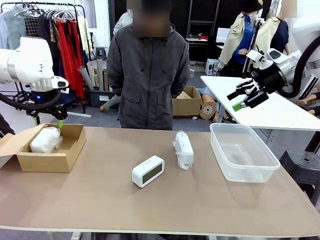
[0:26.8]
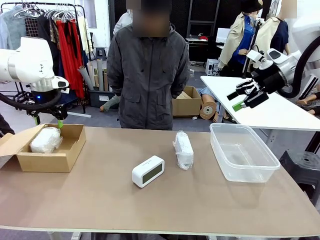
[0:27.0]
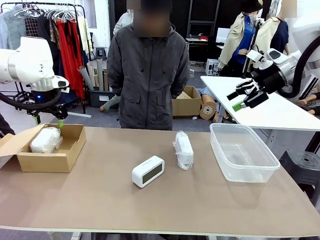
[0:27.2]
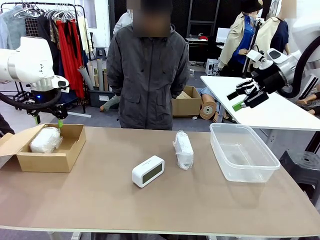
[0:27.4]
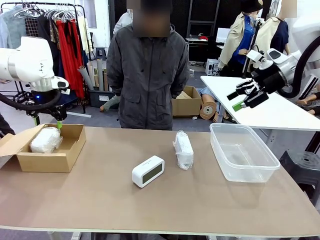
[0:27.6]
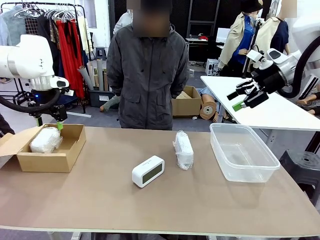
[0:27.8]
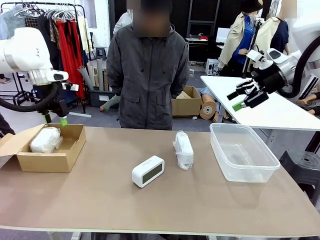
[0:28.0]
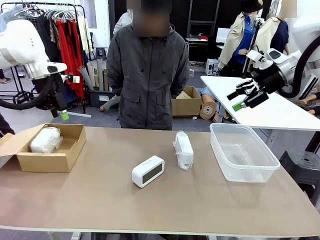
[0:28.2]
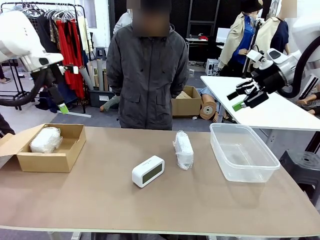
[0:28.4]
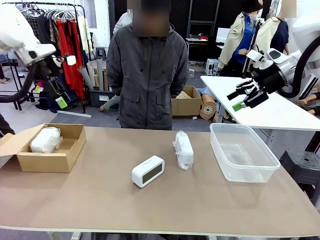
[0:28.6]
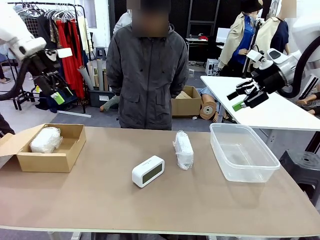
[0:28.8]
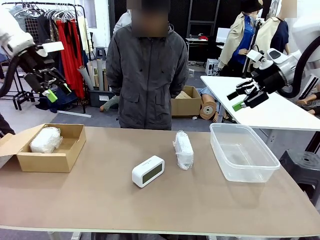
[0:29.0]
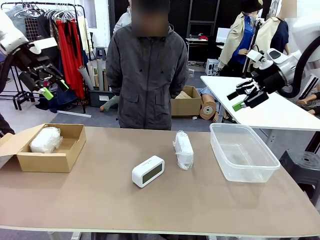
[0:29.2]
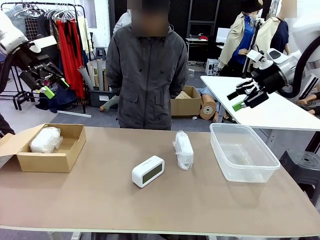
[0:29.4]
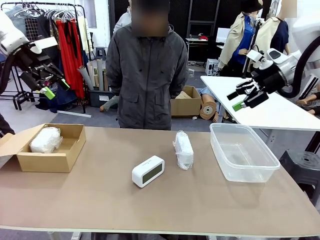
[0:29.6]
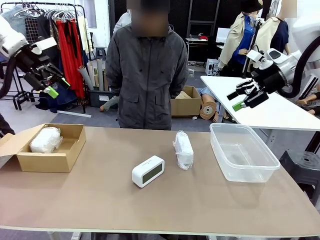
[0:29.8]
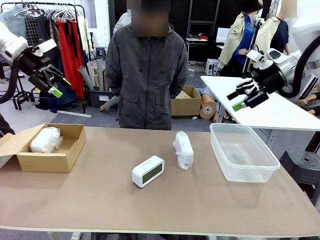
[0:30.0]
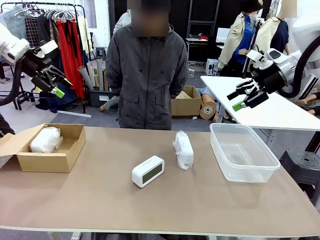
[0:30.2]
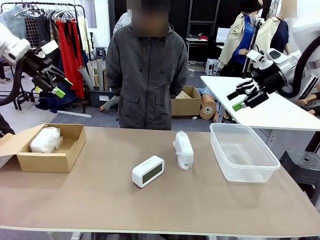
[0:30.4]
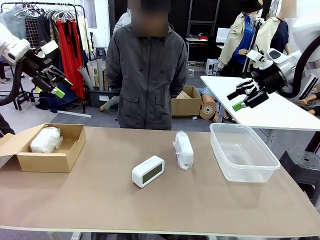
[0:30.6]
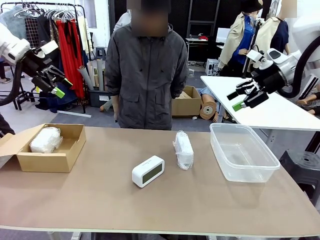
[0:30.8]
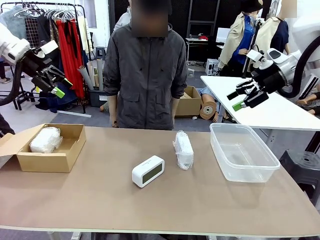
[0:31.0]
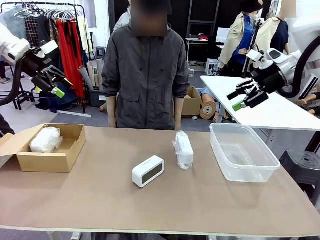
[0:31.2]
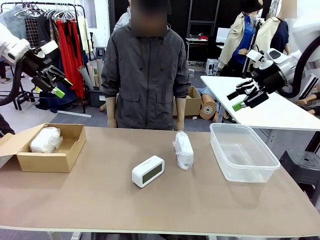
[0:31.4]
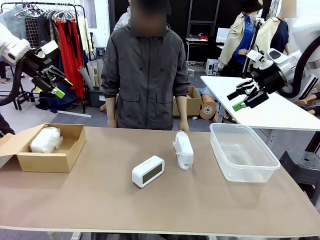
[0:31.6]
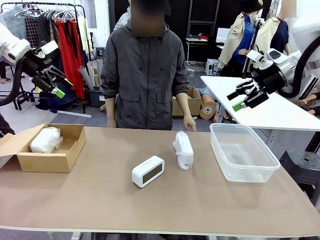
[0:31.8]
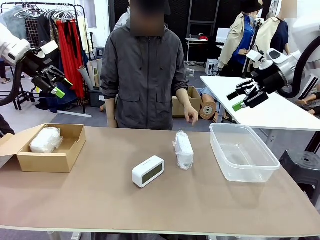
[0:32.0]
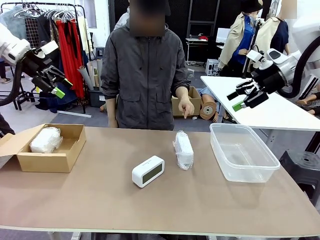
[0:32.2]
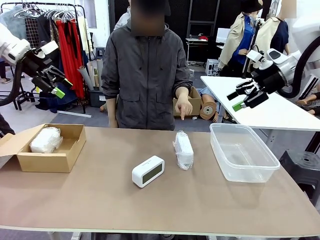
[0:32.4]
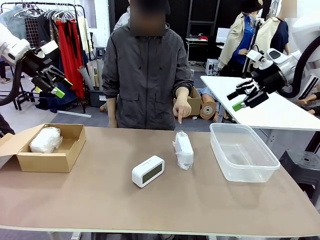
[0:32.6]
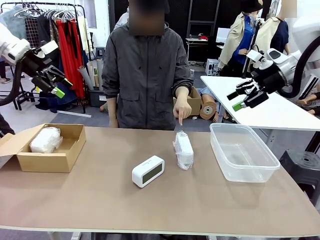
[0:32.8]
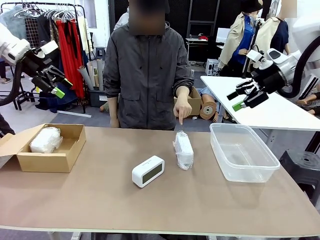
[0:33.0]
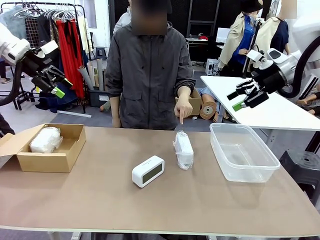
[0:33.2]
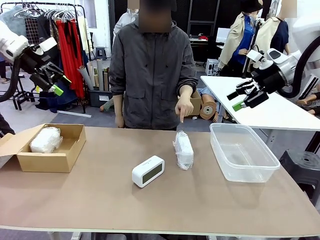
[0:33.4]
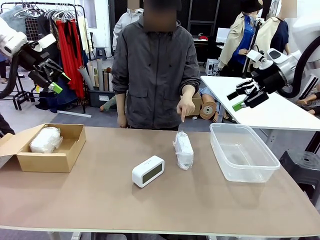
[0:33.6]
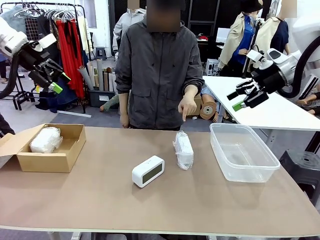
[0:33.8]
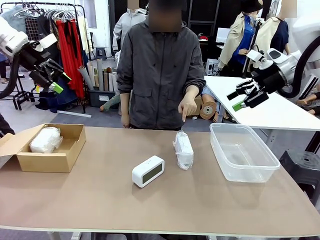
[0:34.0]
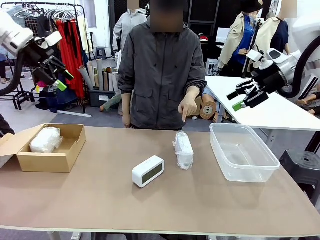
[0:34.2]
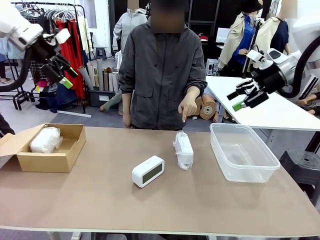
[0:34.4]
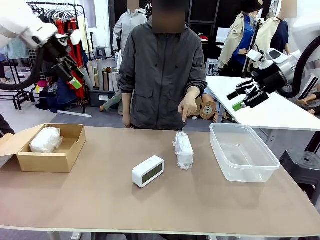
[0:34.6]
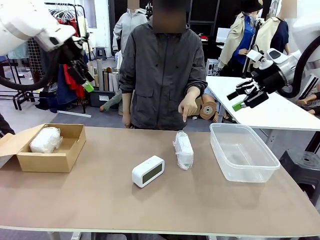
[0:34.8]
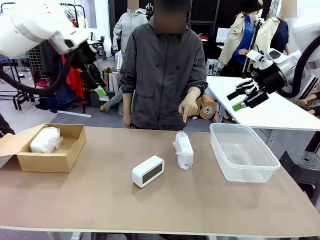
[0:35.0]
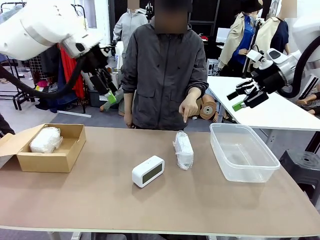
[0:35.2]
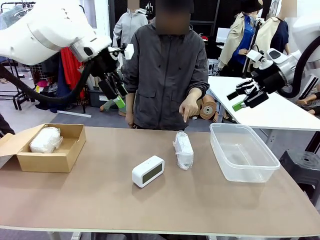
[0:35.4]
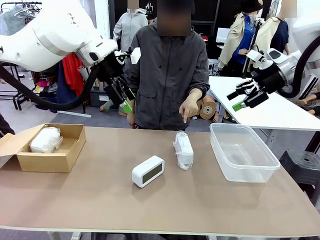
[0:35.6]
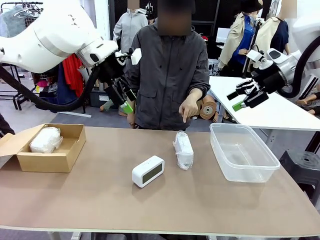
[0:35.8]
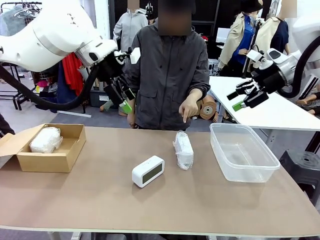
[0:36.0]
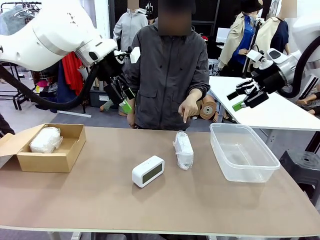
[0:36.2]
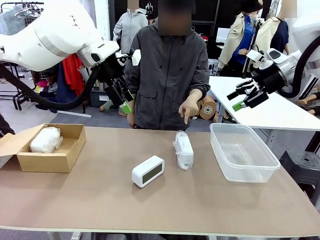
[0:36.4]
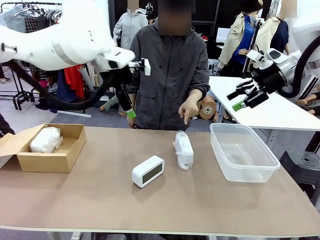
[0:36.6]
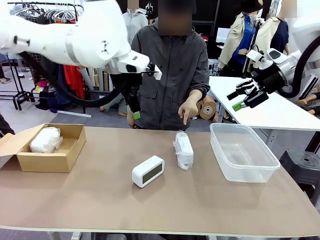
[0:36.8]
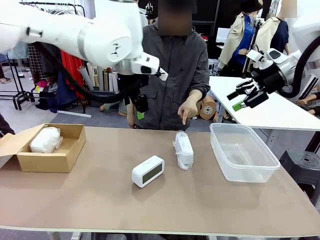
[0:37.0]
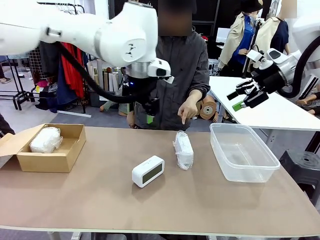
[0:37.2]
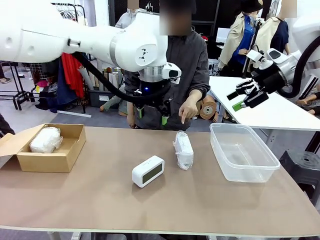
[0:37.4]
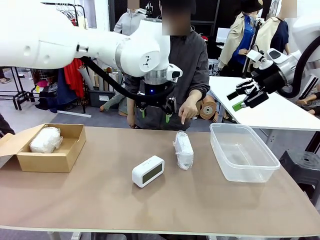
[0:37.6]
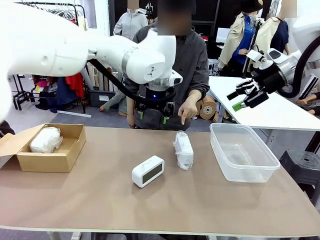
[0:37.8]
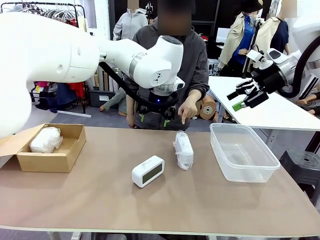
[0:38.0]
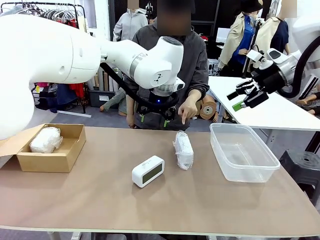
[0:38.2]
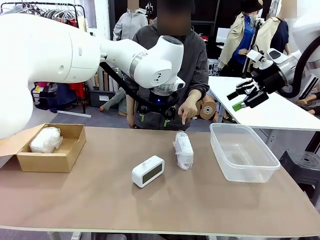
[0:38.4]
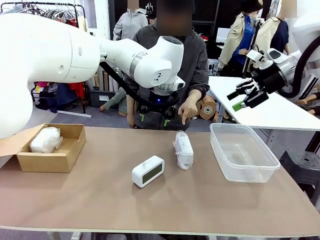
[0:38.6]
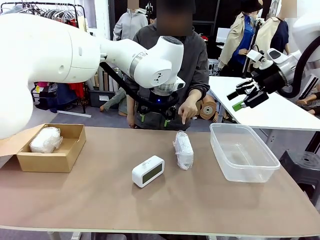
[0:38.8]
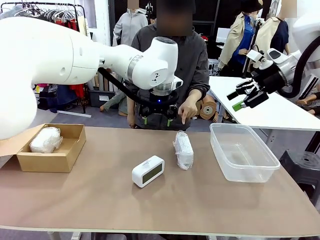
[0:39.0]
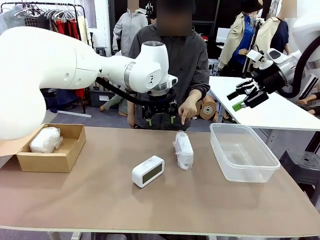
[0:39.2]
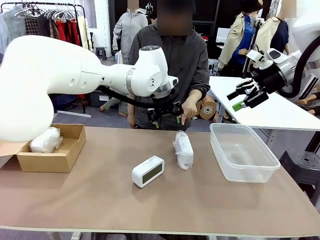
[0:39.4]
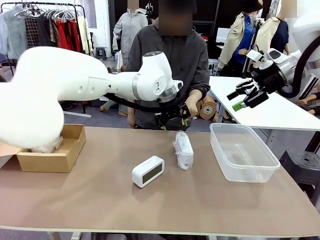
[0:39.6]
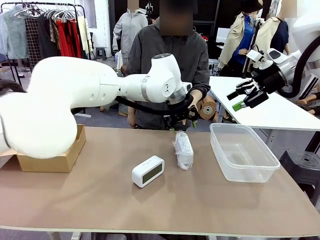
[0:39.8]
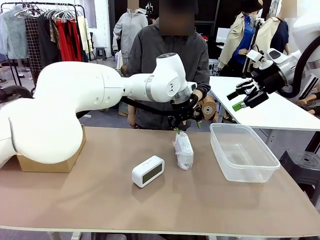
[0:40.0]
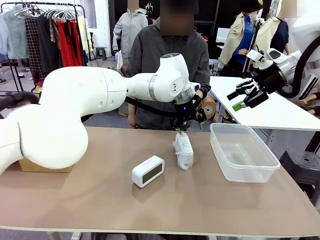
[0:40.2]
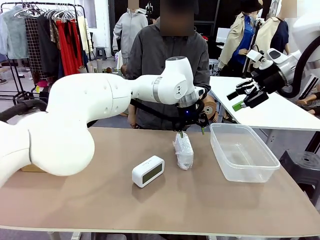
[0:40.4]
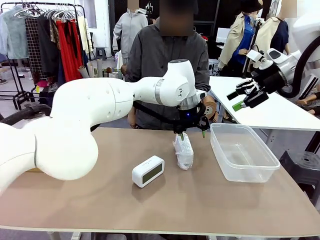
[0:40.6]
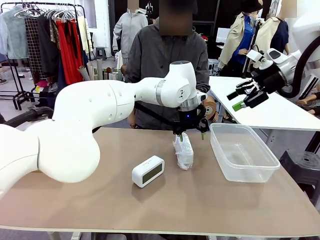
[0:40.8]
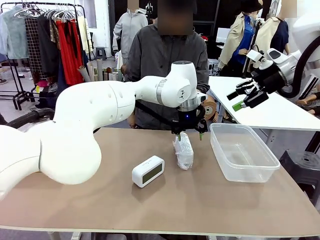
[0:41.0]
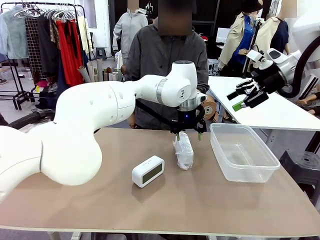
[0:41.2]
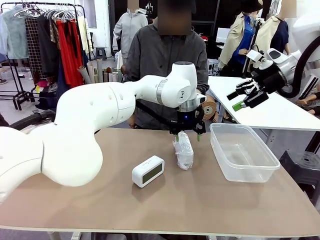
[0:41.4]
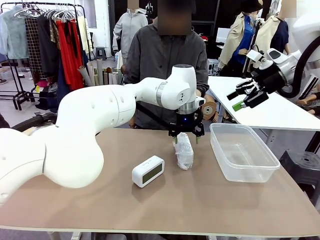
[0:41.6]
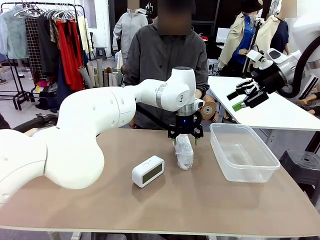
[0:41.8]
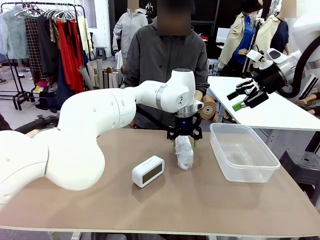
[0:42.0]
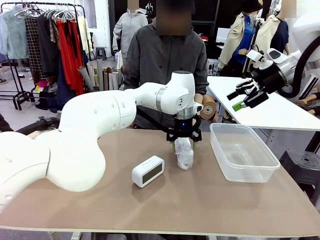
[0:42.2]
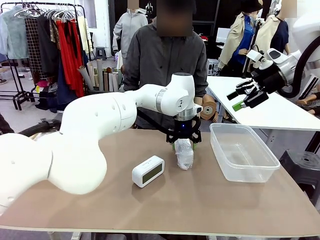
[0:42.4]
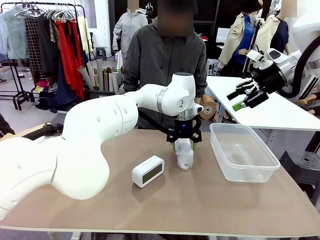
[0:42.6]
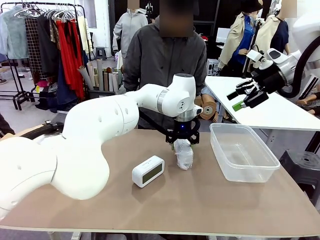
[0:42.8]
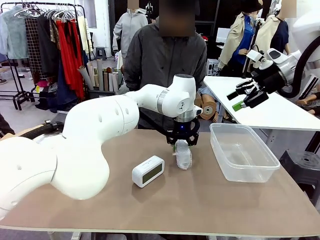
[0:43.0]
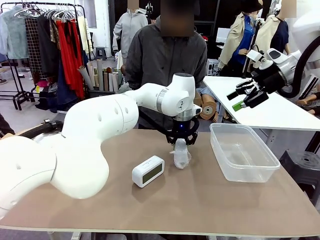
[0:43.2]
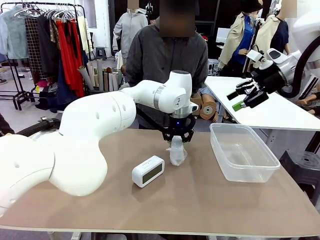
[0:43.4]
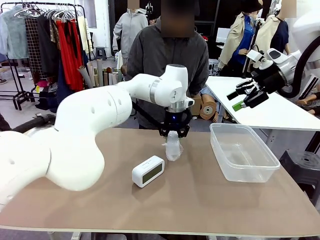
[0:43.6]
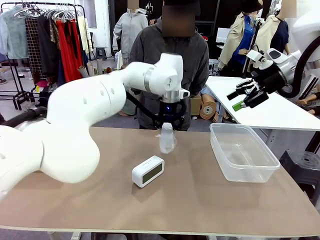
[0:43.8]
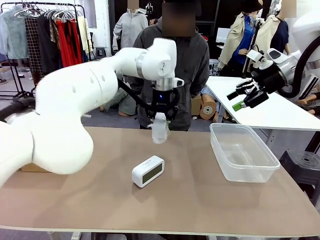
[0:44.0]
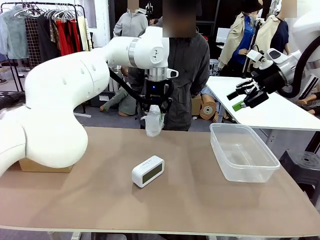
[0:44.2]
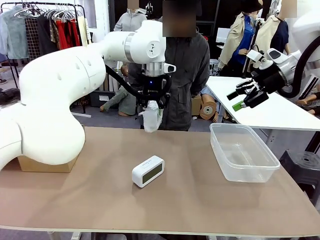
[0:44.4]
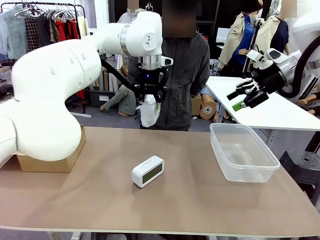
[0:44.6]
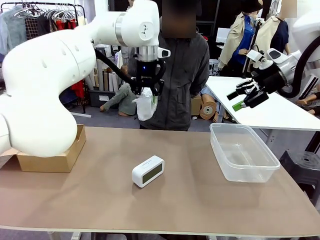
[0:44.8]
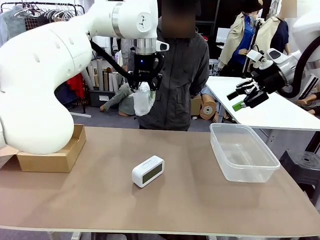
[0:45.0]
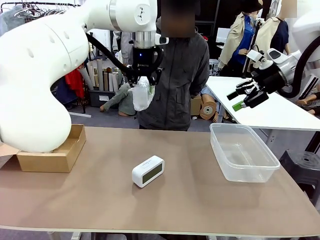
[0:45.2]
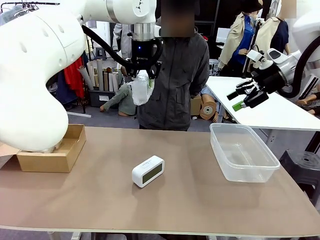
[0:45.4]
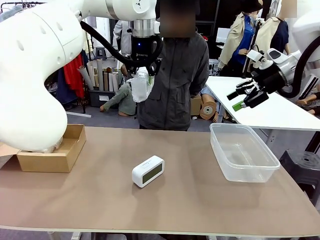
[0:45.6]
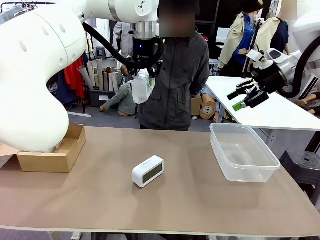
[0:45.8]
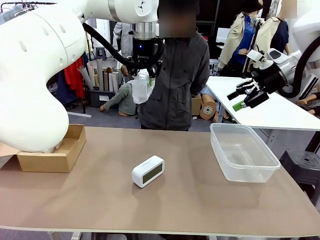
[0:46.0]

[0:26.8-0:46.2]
Task: Separate and place wrapped and unwrapped clocks.
Robot: Pick up the Digital clock indicated by the person.
